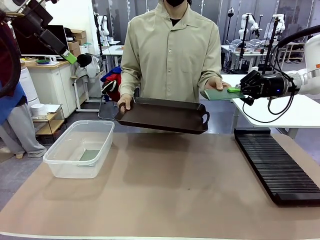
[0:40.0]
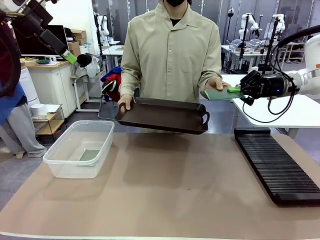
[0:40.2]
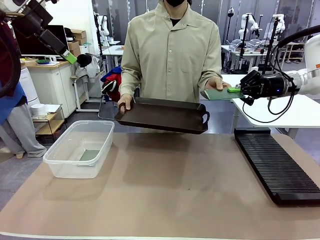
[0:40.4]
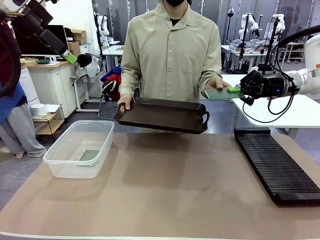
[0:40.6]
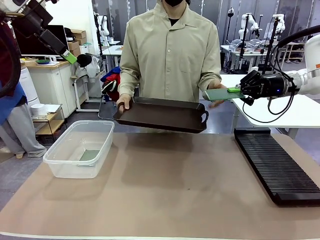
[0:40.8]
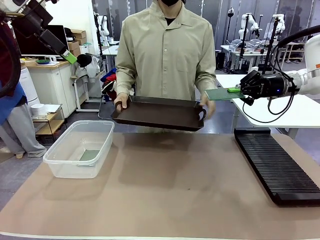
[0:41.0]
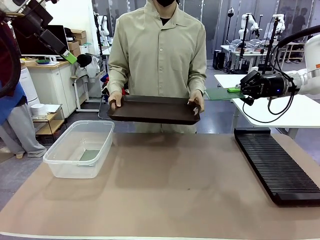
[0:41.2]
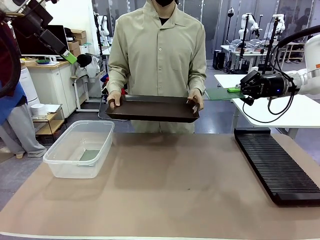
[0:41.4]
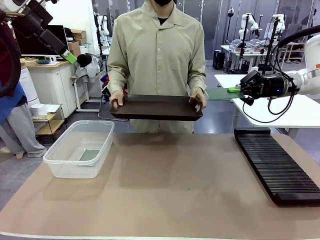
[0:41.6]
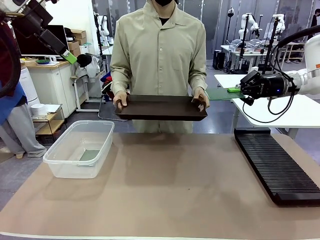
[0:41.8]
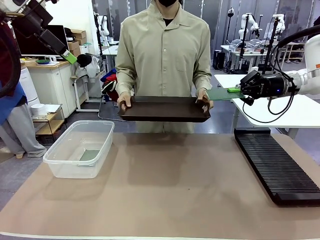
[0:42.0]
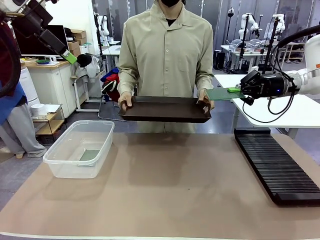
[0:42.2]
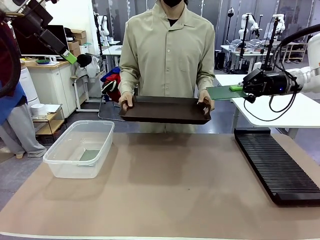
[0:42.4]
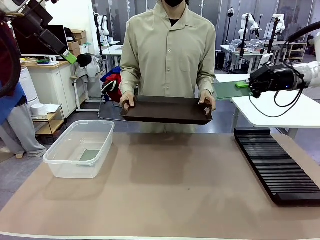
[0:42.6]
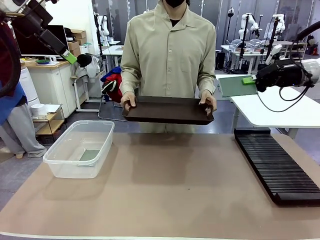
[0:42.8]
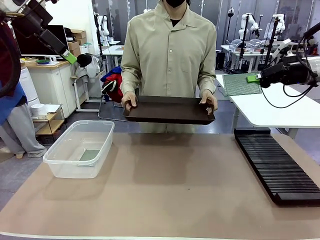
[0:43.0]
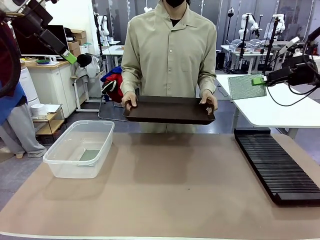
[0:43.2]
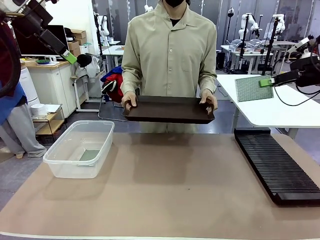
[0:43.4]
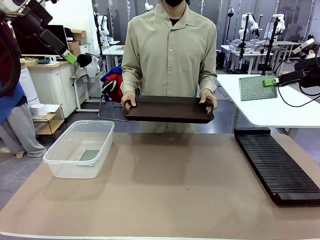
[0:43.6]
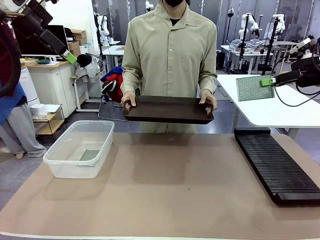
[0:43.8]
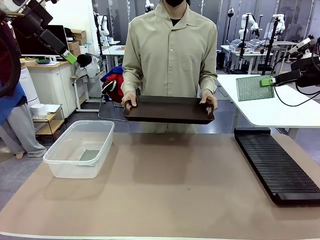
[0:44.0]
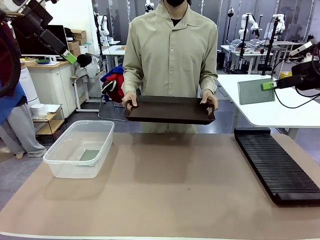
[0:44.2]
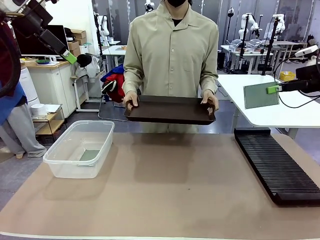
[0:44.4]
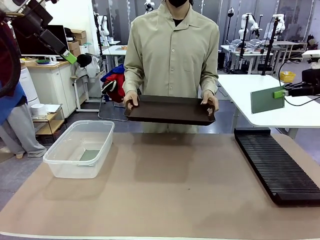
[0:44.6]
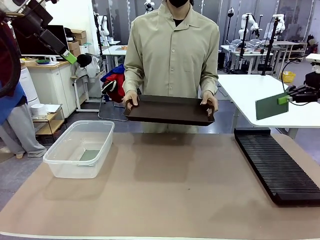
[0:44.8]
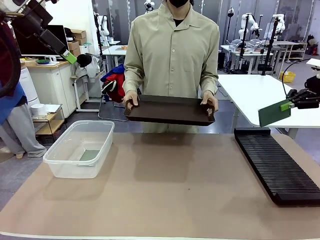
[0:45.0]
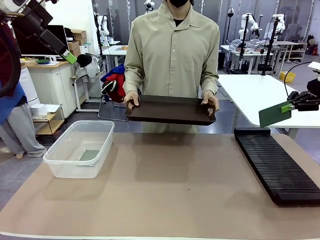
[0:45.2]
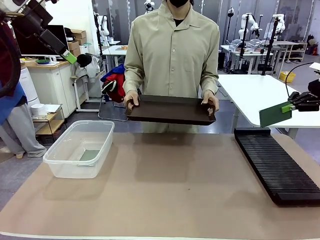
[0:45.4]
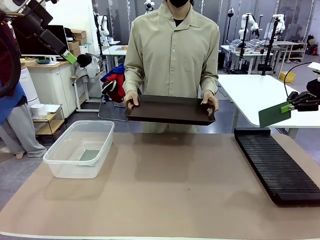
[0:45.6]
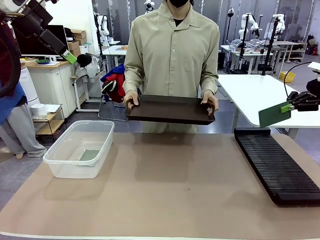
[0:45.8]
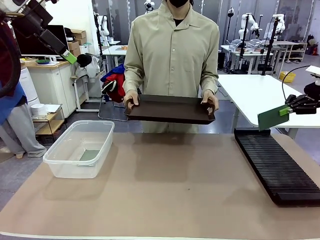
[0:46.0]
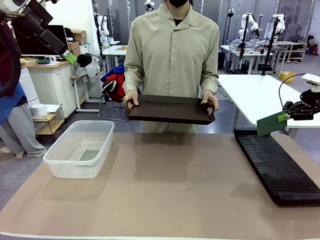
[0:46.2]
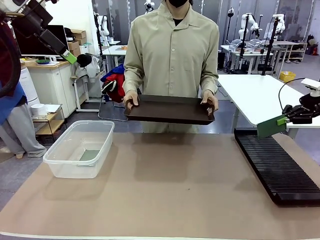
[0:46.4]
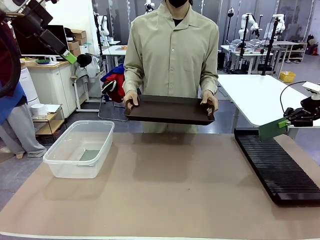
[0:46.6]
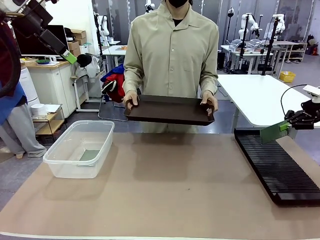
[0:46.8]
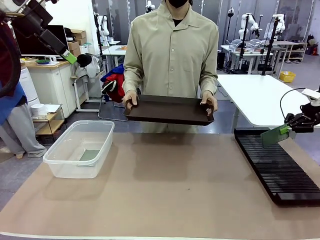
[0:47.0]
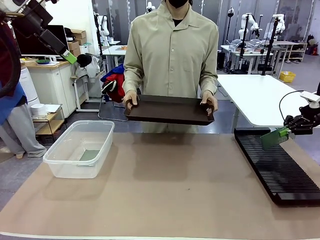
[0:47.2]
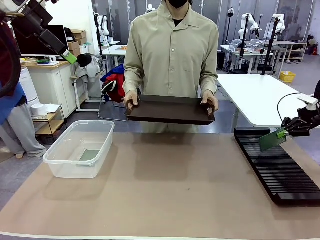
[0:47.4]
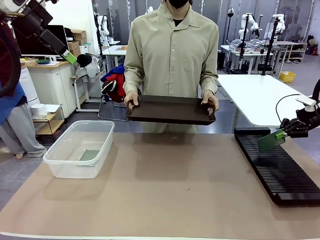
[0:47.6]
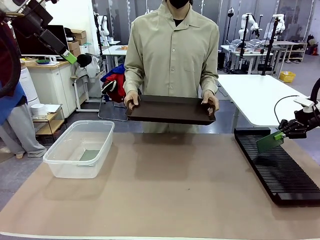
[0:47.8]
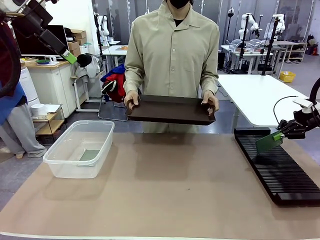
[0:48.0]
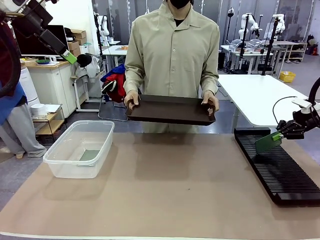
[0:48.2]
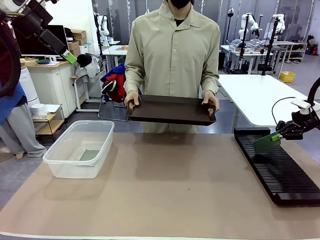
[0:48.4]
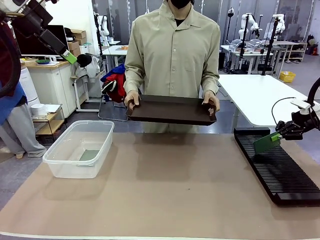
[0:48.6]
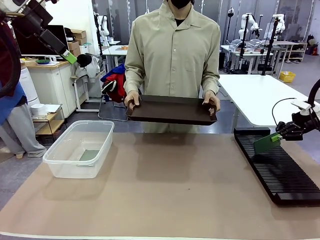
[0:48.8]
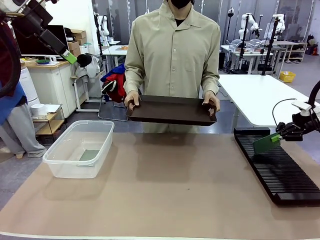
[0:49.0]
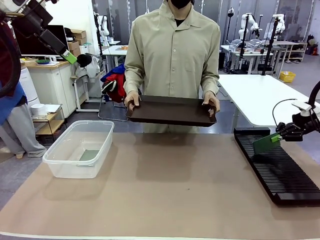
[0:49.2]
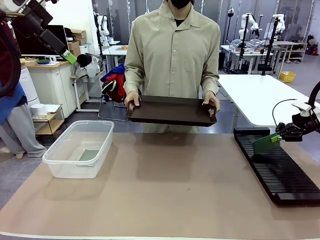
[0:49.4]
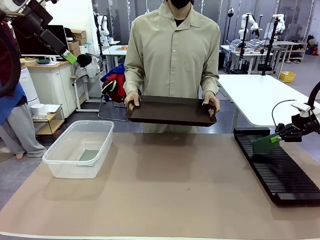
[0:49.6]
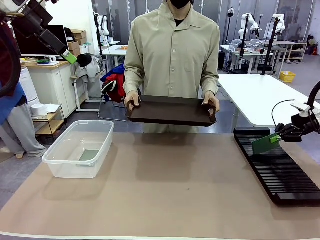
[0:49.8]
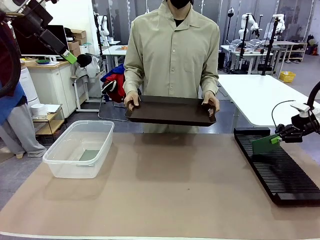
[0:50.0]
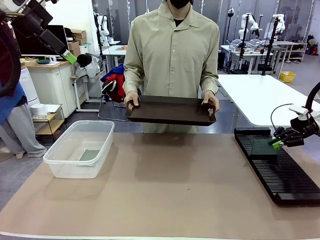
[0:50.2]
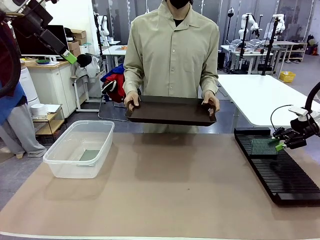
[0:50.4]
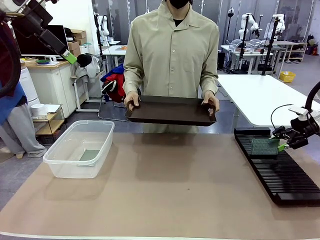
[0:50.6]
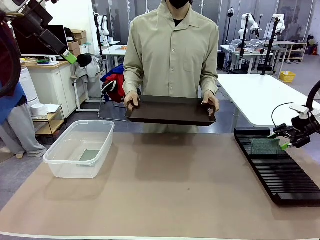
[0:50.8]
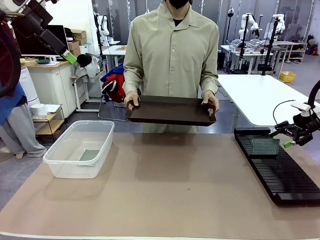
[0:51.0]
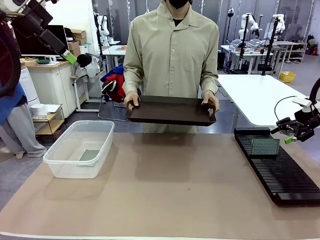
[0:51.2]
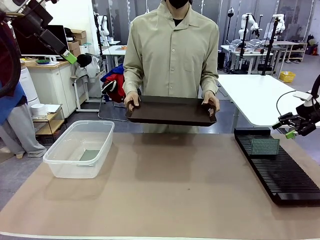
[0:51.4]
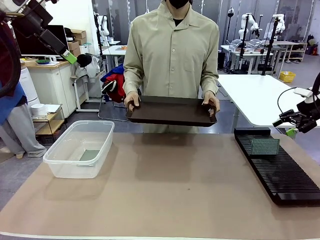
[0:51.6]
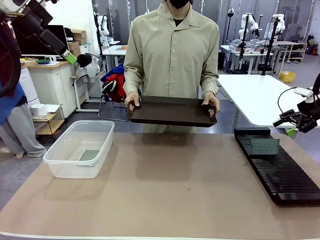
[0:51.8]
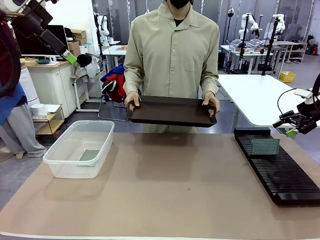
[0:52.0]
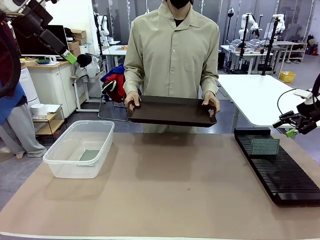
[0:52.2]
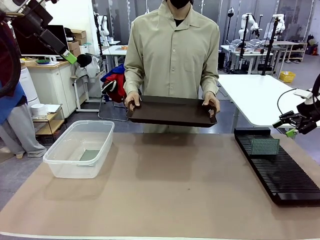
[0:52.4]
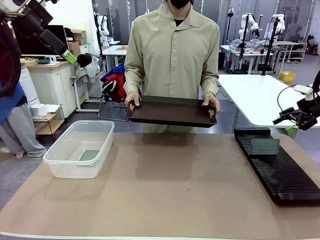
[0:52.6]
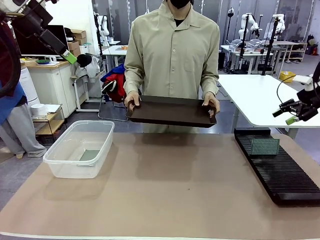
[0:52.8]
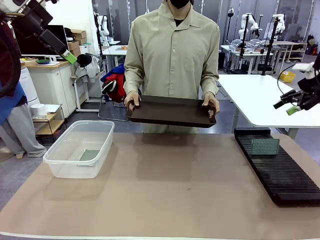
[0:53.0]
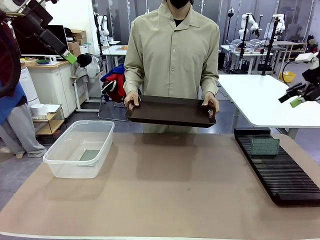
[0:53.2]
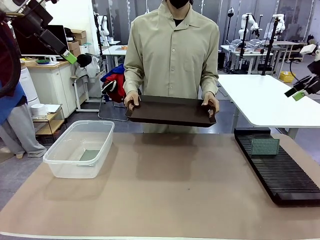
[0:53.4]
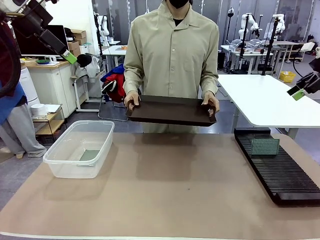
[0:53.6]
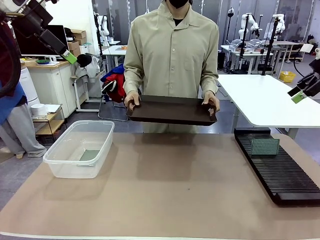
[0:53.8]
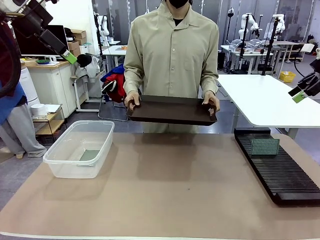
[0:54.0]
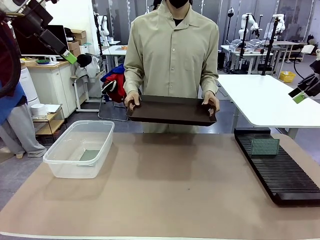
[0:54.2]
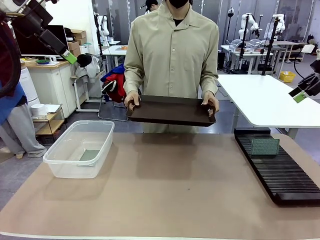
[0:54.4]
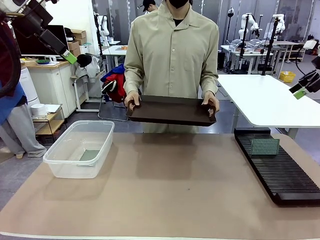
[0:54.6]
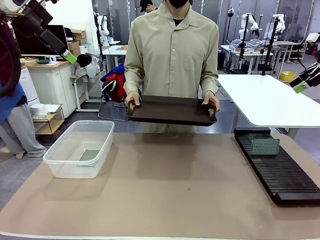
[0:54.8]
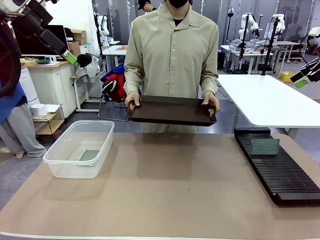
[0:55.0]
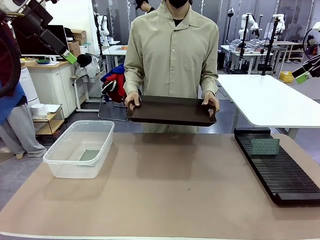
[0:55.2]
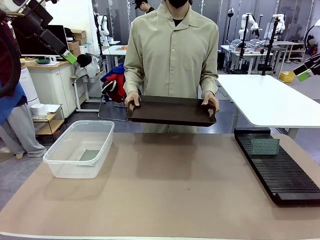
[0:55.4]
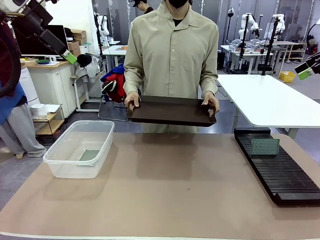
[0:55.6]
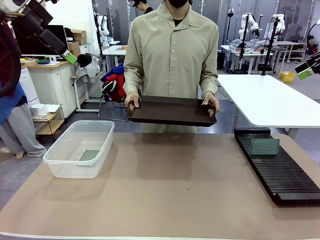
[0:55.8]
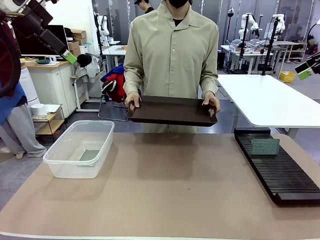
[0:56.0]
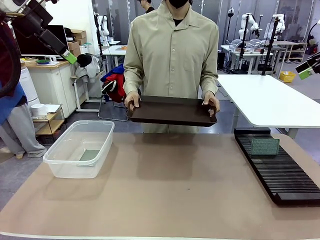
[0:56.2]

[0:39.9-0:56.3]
Task: Sort PCBs into racks and boxes based on the side picked up.
Robot: If the short side of the Blank PCB is picked up, insert it into the PCB Rack ; if the long side is picked up, place it in the Organizing box.
Person: Release the PCB being held.
